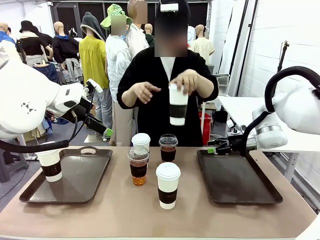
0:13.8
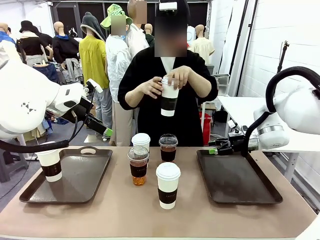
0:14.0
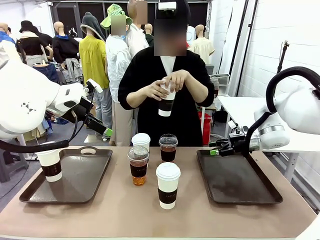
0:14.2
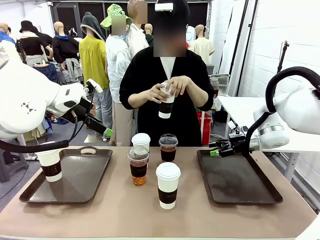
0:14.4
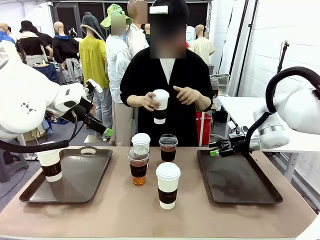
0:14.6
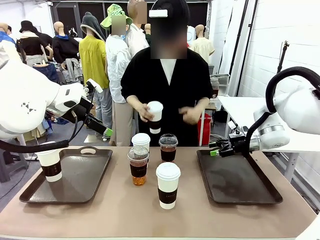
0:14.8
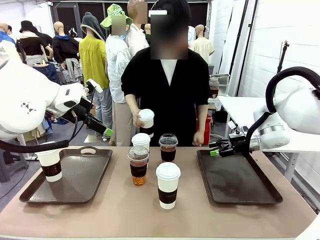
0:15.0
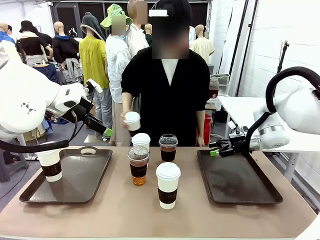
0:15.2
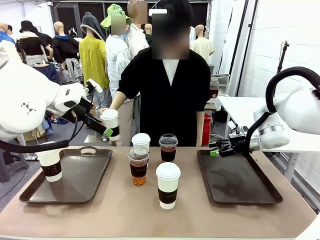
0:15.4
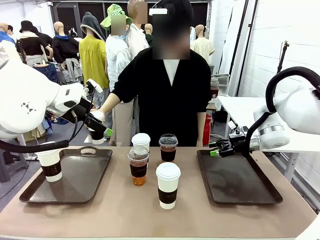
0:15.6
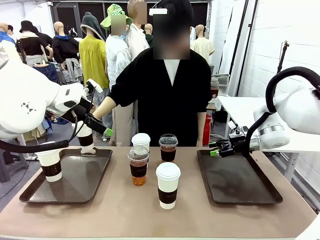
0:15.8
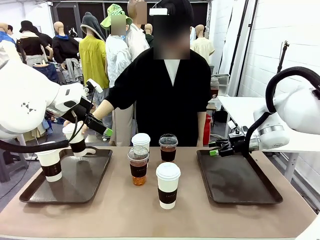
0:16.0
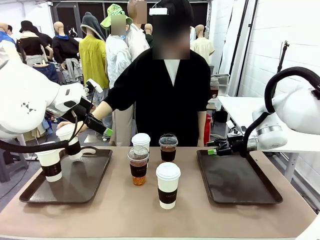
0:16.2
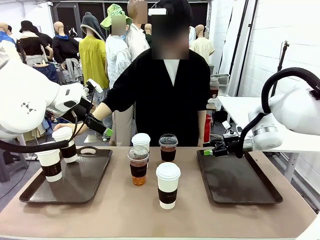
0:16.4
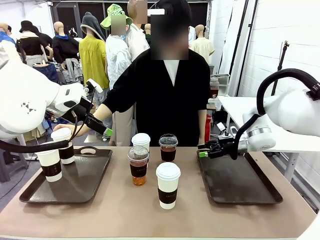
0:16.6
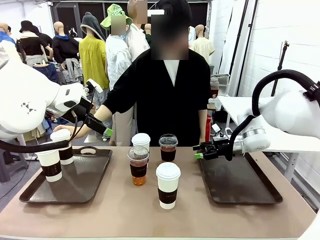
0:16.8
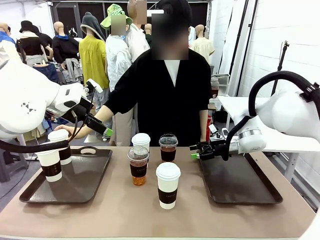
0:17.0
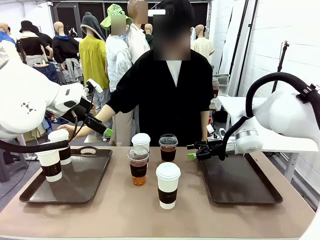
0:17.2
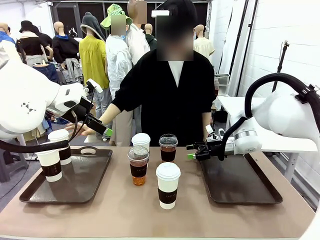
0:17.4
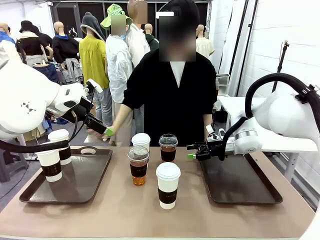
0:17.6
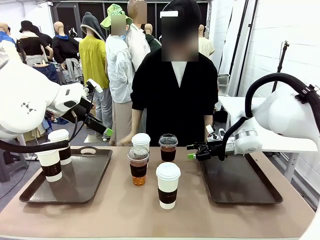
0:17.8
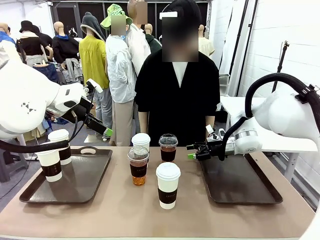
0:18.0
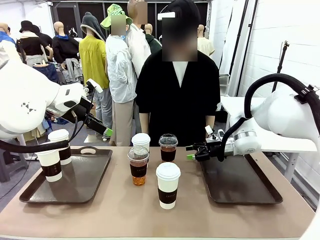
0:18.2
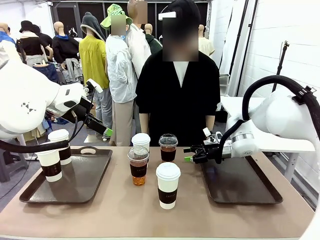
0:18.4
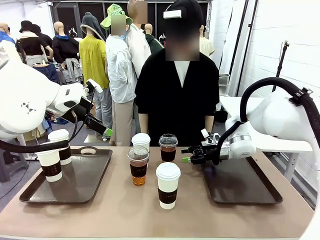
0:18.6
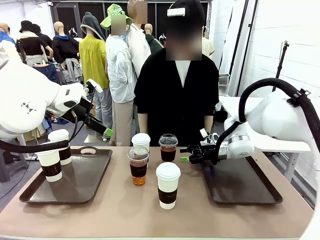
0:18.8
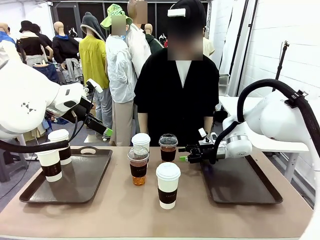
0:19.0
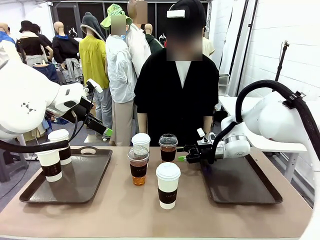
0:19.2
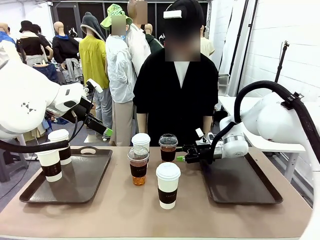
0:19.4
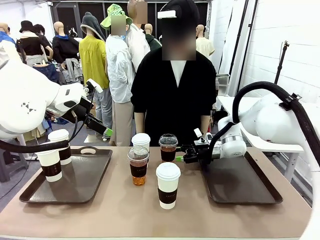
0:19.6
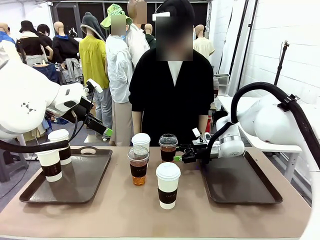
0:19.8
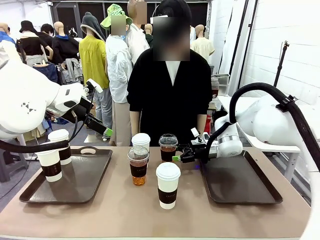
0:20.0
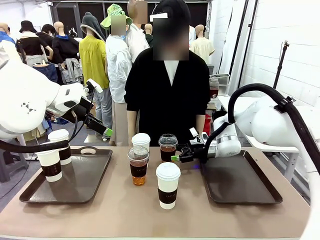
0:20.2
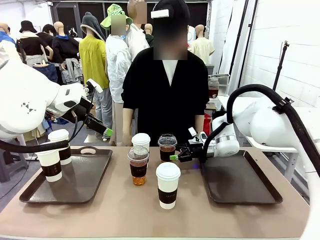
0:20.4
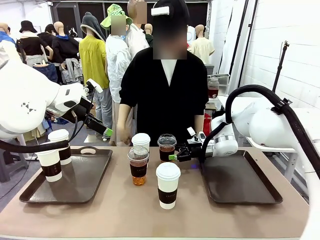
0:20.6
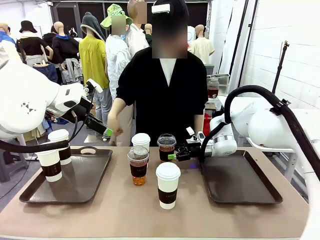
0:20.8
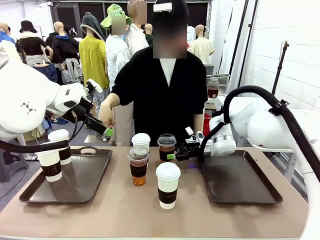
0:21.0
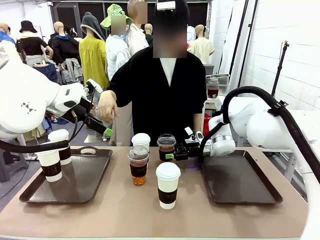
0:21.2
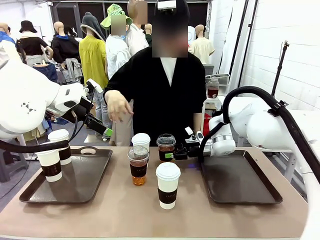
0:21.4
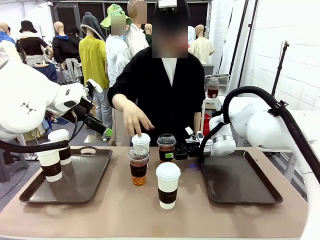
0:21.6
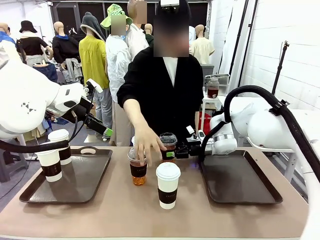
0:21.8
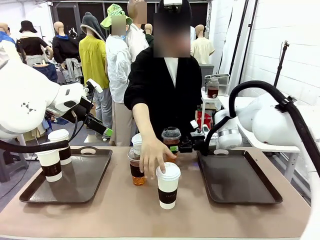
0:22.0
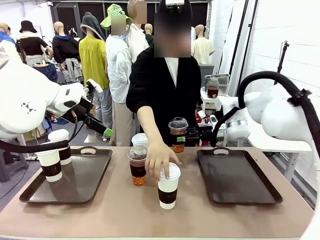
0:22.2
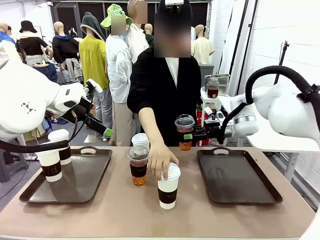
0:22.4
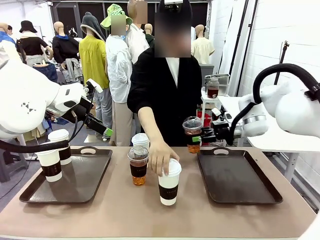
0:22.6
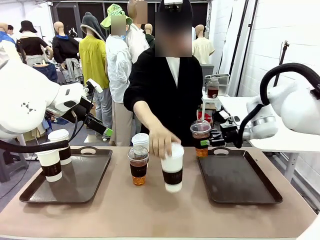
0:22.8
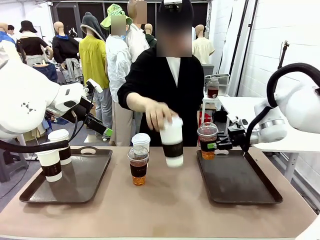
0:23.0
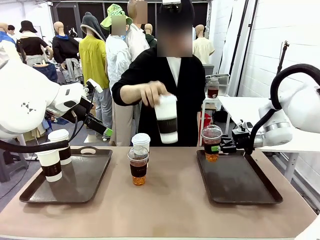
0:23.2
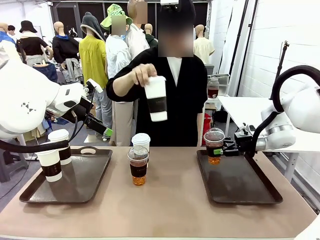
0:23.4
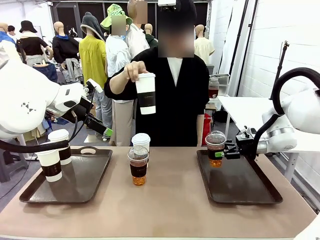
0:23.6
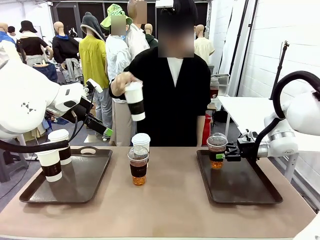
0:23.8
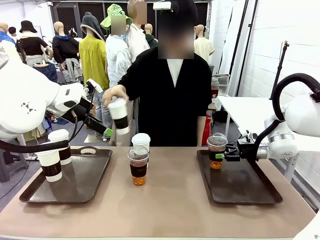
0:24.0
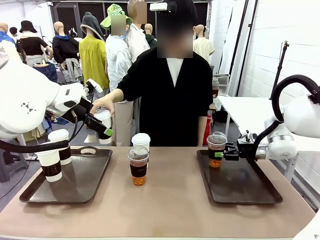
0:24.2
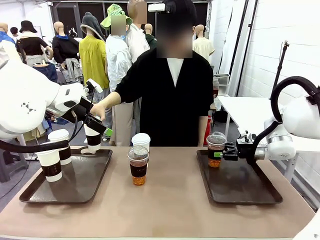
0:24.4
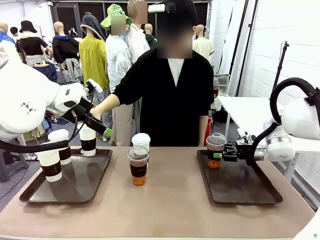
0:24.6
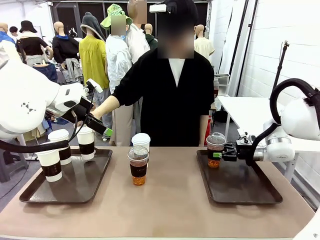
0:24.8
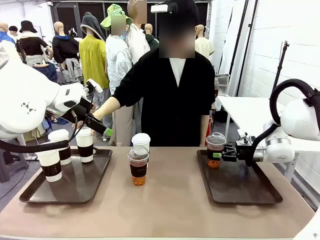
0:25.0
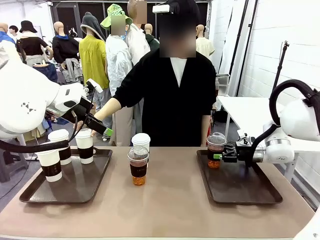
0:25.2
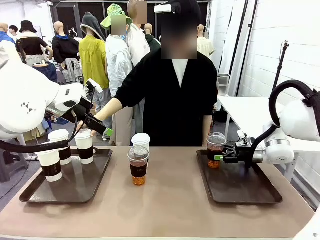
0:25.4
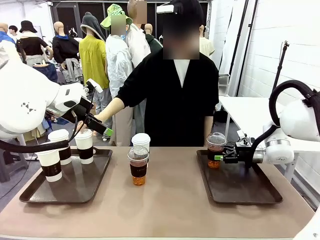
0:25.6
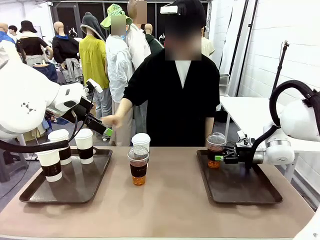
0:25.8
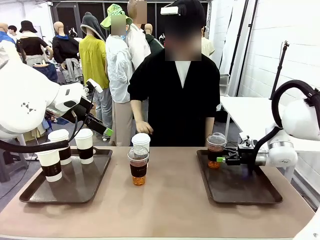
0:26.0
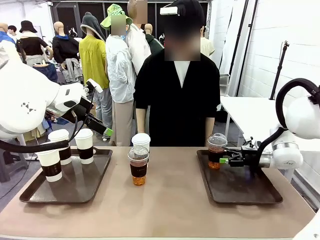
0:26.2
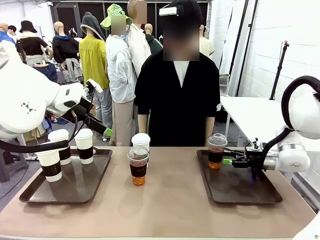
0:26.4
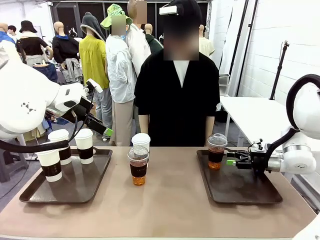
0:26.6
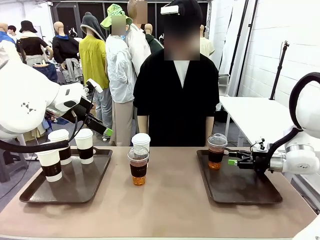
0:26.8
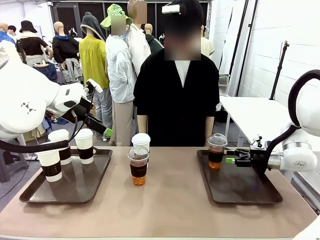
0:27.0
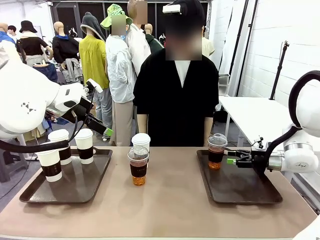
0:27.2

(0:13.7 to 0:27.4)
Task: Distribute the coffee onto the tray.
Robot: Pick up one iced Americano and place it on the right Handle tray.

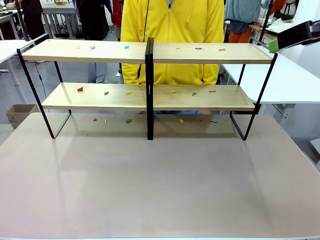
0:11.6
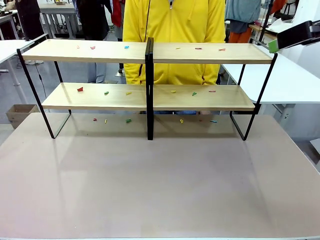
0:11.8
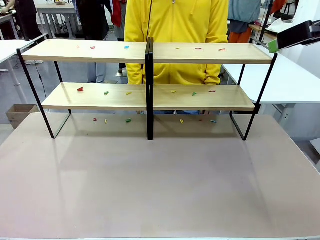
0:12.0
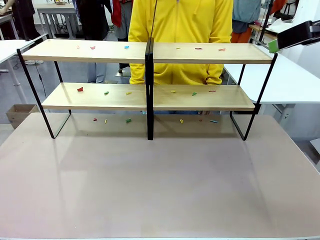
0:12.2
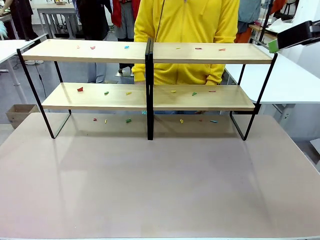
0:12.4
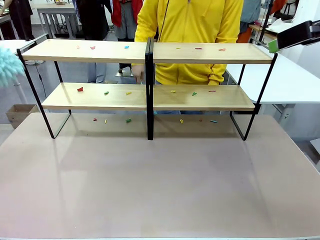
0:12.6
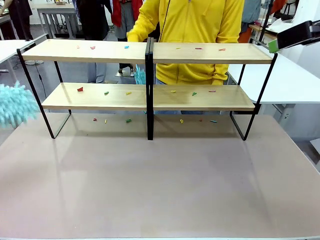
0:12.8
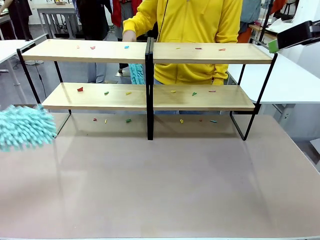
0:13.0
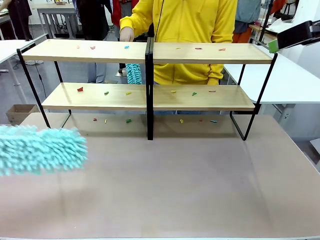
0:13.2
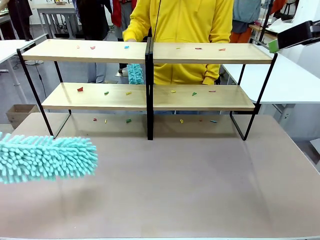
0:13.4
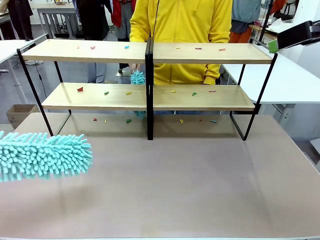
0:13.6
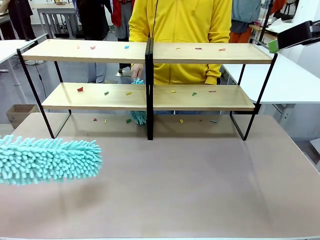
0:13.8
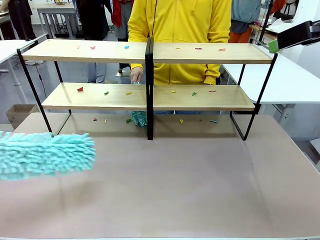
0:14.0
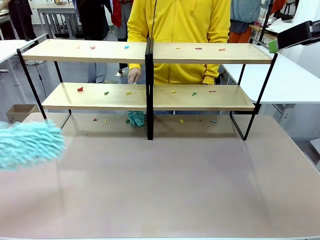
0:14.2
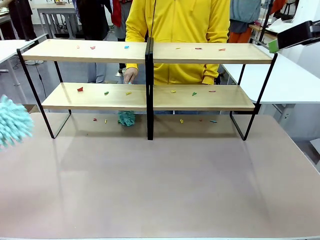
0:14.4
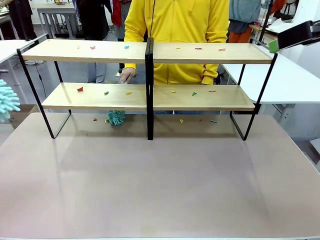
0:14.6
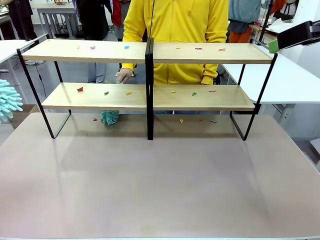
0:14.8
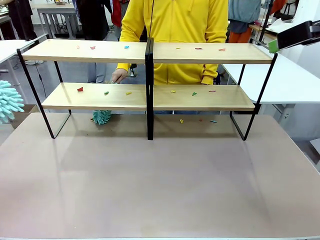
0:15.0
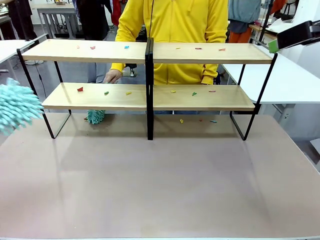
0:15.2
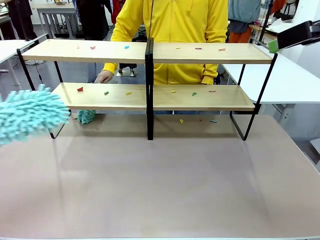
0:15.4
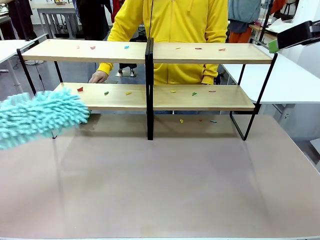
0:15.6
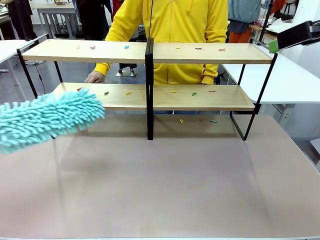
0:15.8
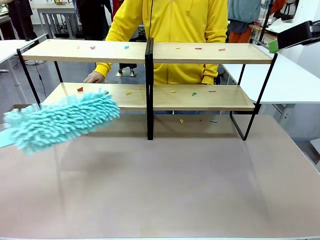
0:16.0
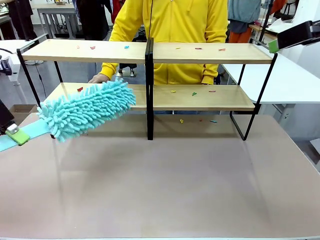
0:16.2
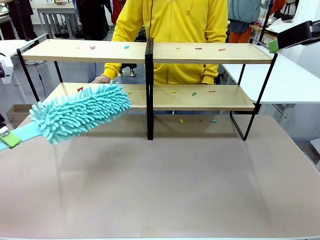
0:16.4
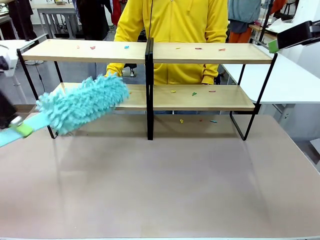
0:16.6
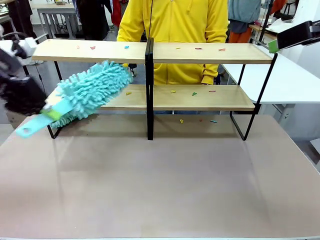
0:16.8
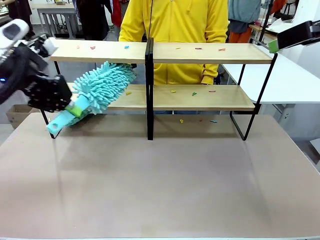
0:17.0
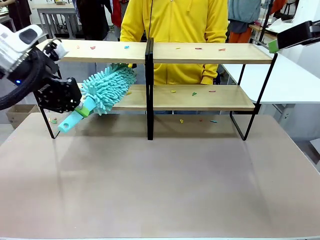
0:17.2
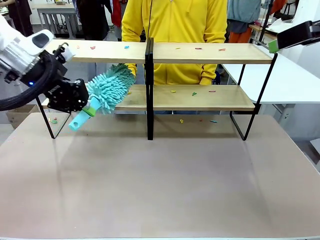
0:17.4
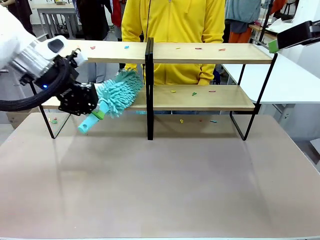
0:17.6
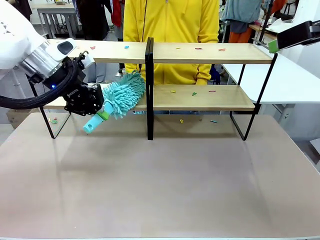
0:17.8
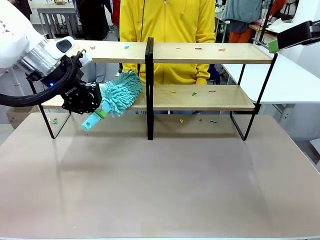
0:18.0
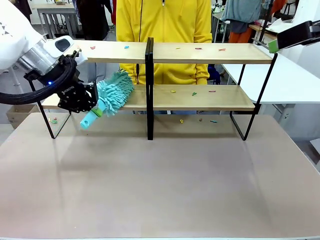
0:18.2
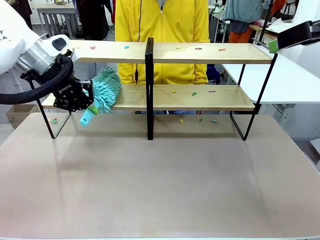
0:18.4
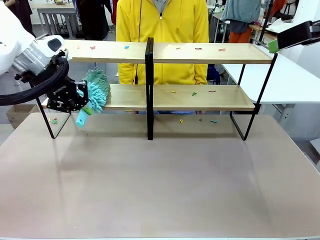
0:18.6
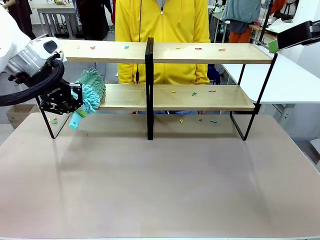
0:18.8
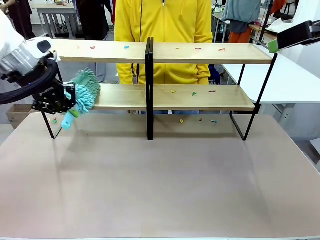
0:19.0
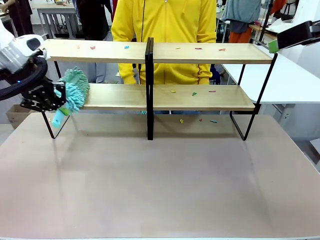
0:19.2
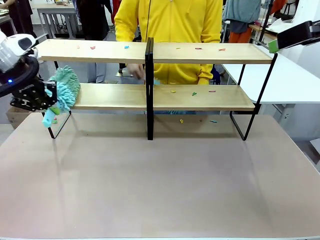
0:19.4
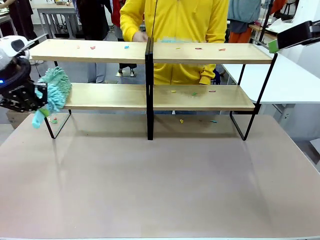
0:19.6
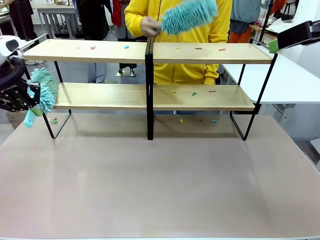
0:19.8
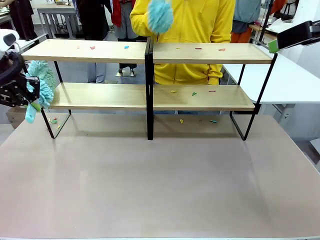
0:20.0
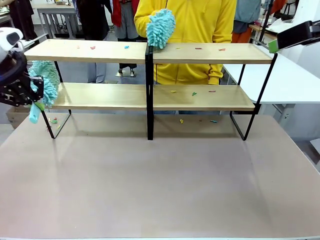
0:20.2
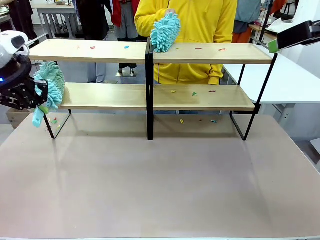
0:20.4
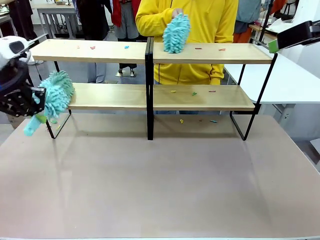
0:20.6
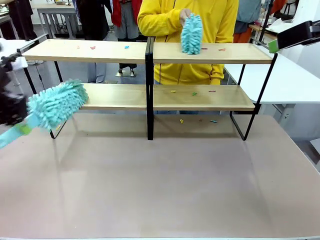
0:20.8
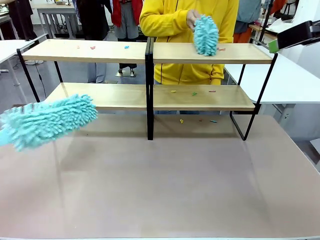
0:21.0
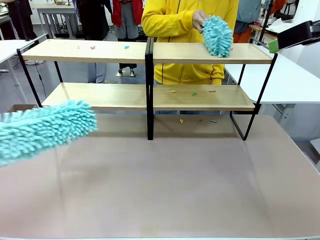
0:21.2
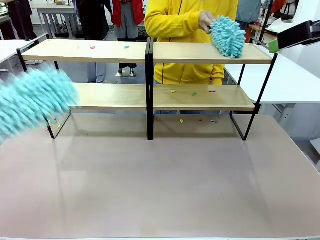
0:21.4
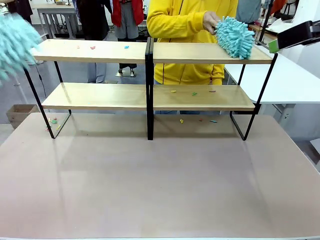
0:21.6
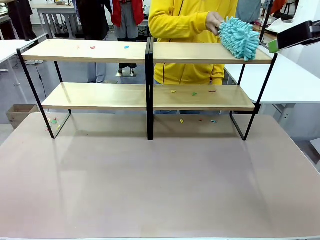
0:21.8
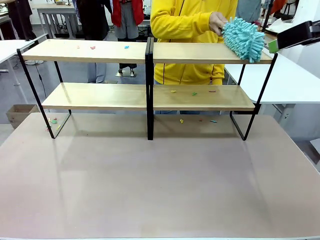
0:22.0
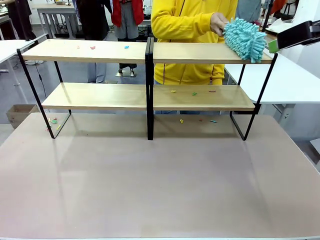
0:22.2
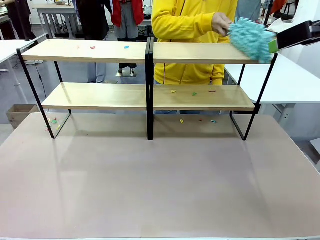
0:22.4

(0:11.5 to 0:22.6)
Task: Clean the shelves.
Robot: Clean a randomly selected level of the Shelf with the Duster.
